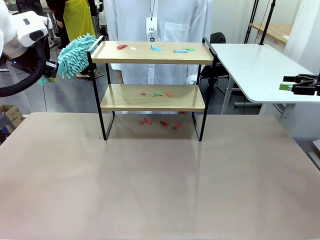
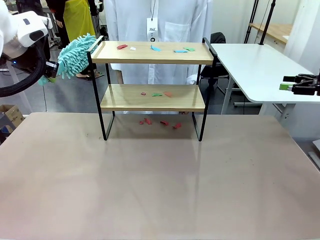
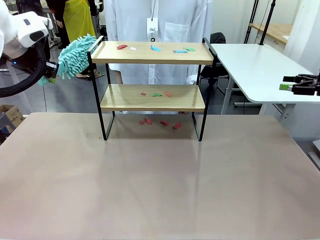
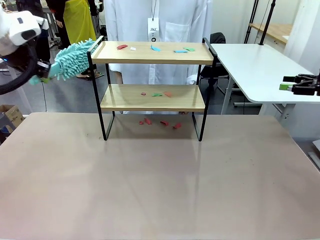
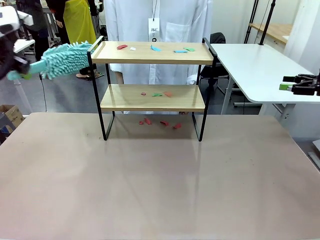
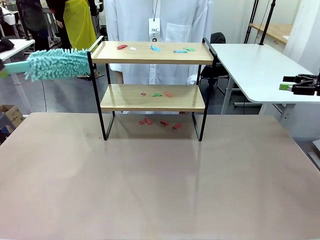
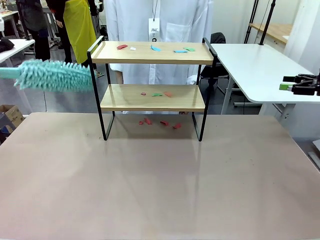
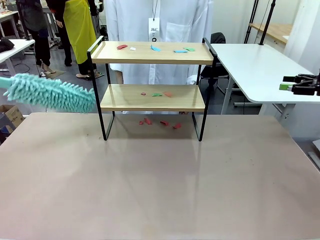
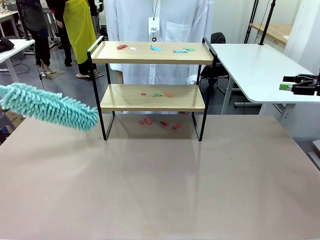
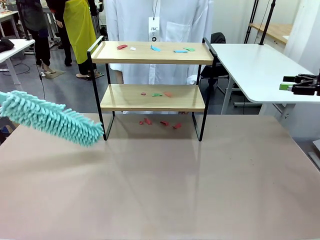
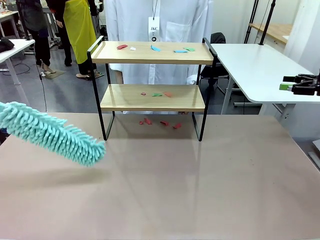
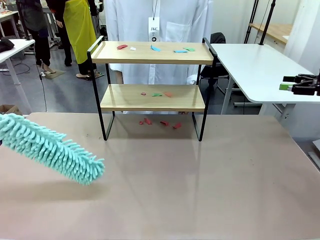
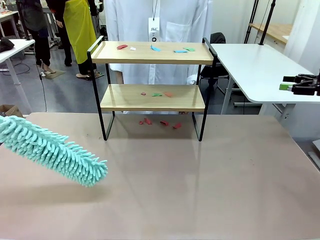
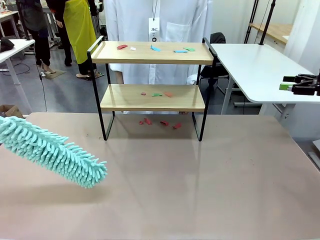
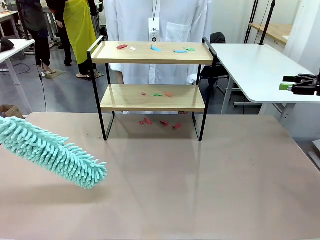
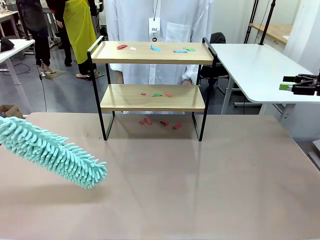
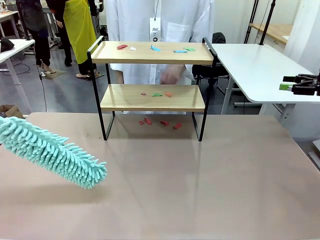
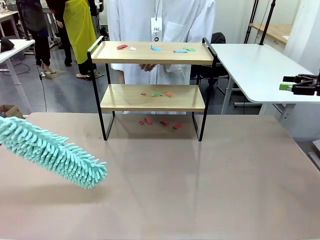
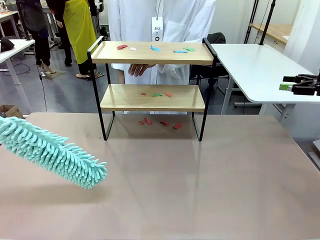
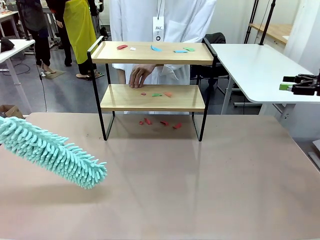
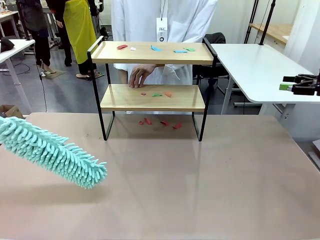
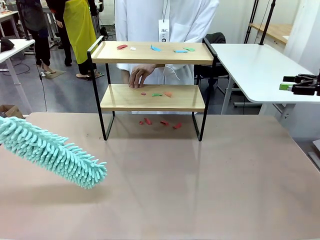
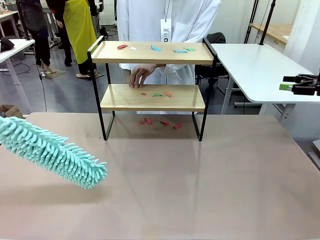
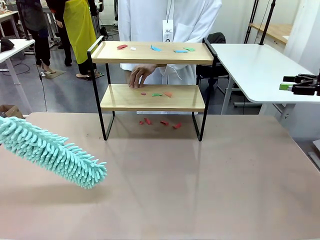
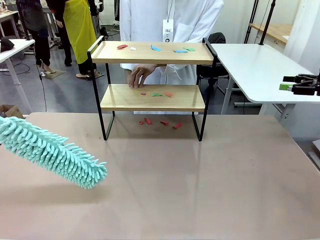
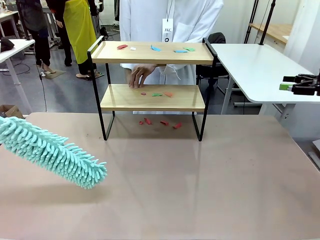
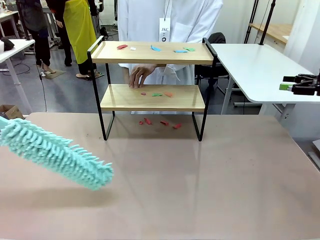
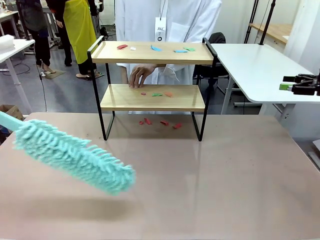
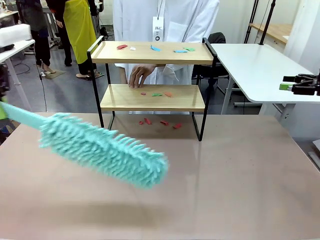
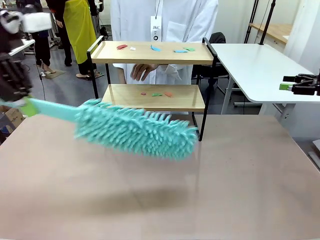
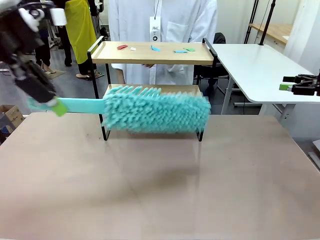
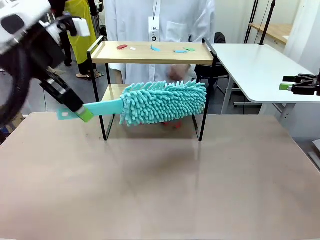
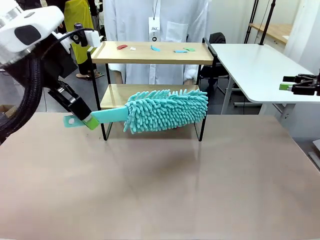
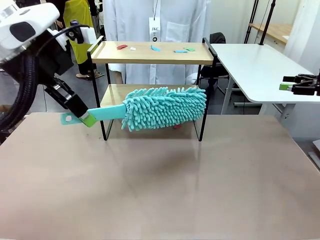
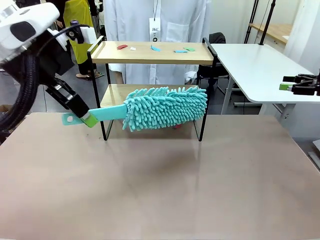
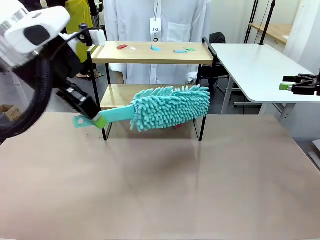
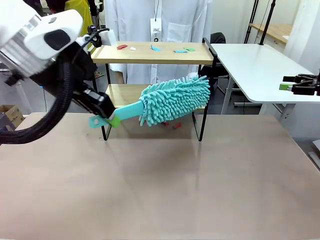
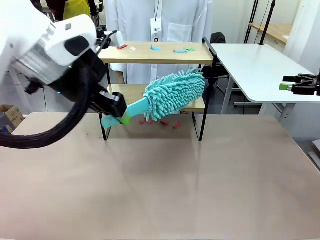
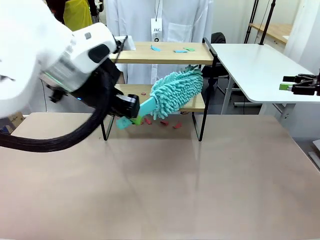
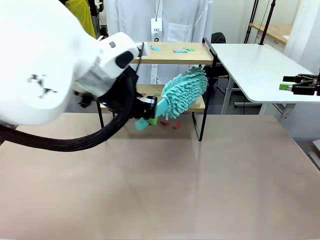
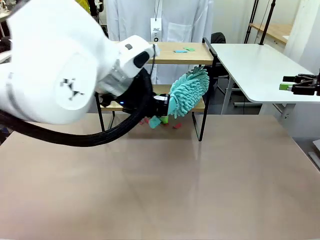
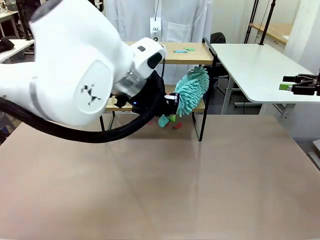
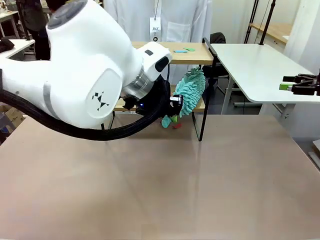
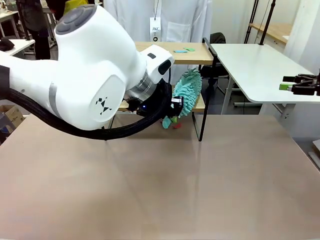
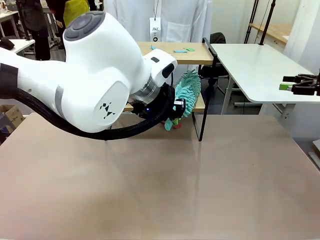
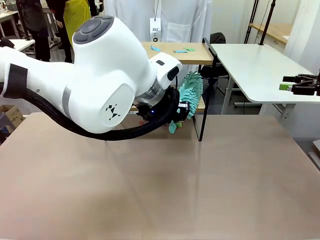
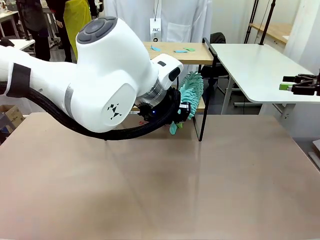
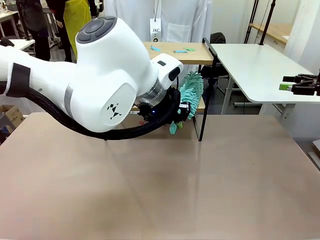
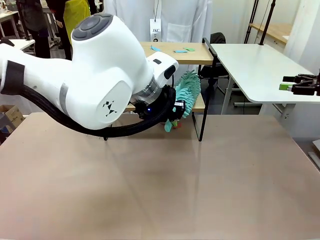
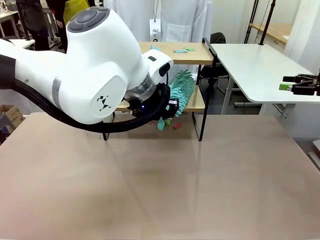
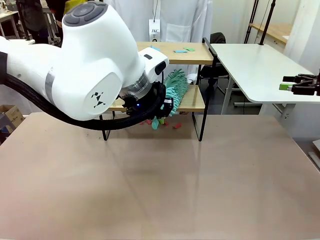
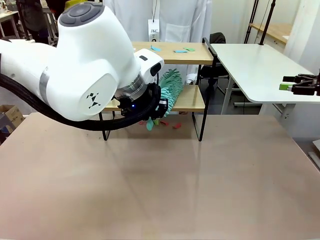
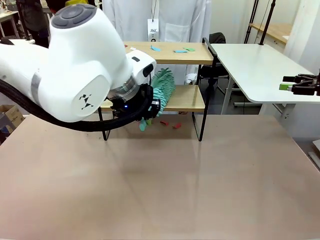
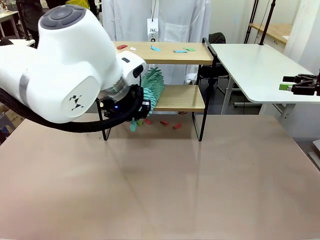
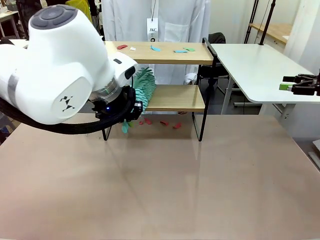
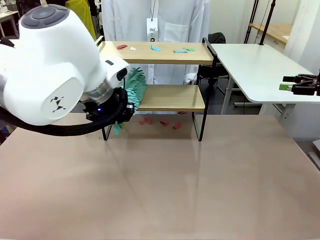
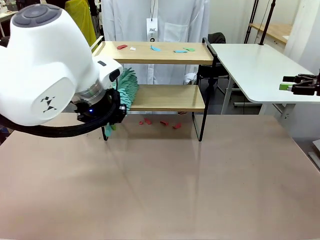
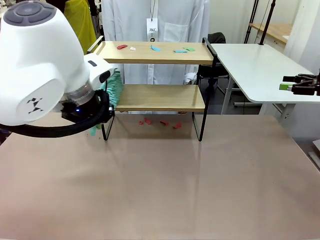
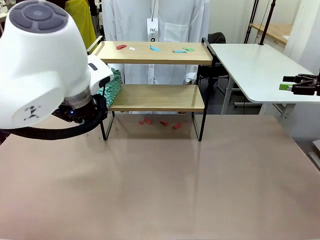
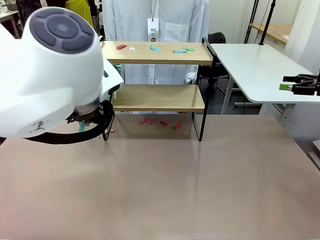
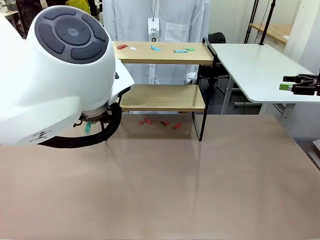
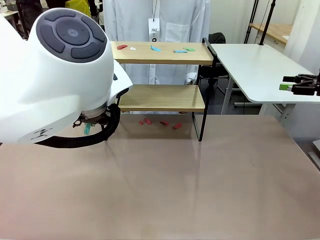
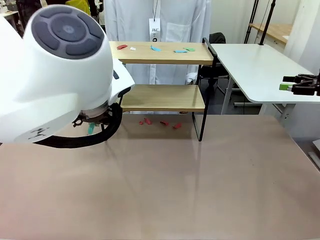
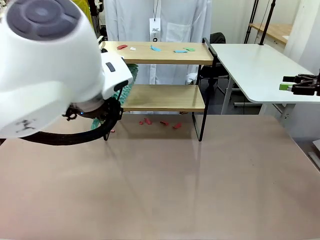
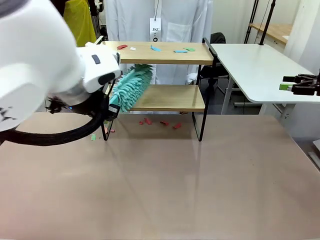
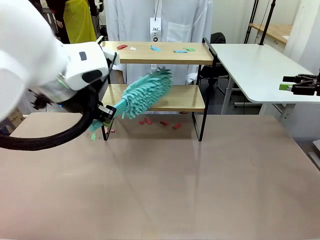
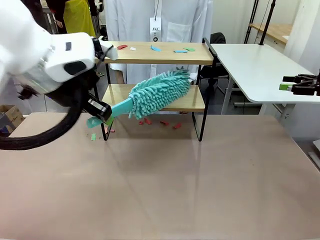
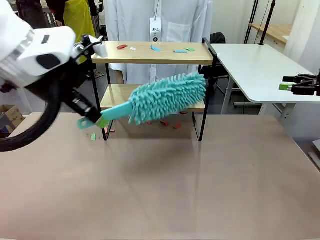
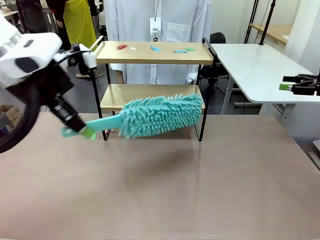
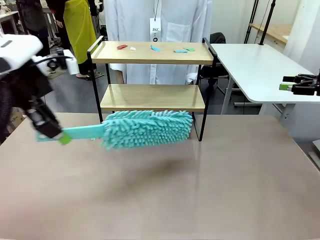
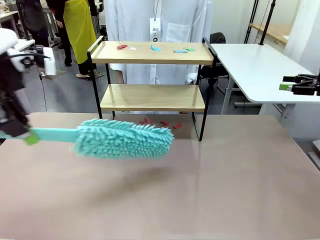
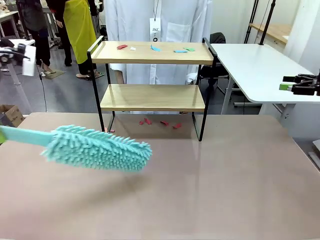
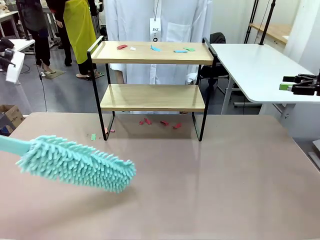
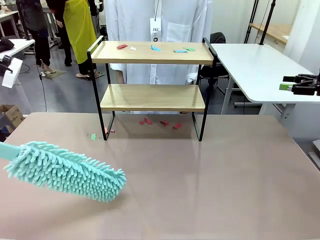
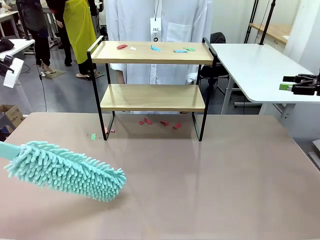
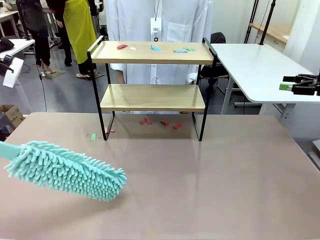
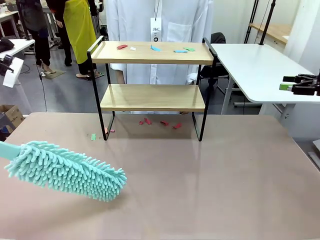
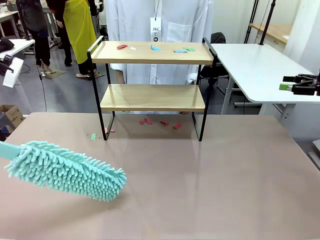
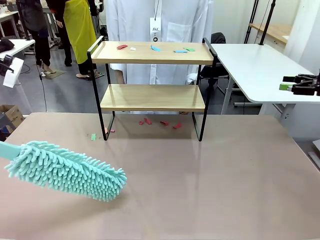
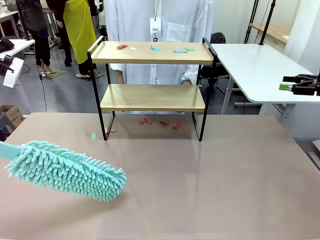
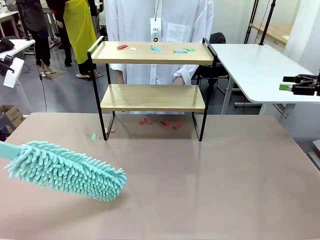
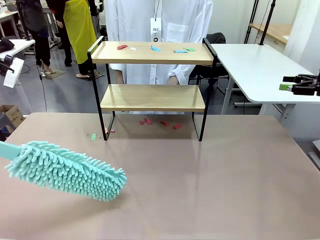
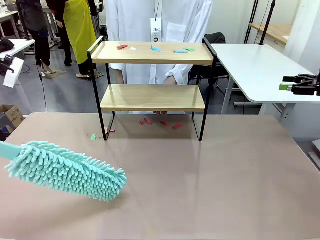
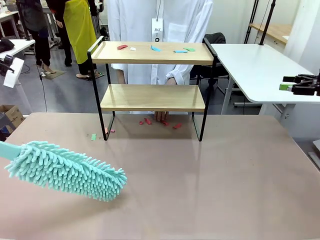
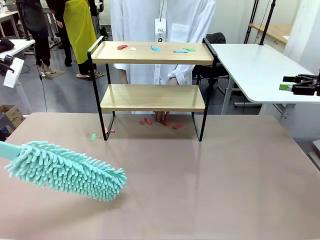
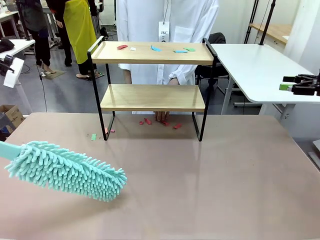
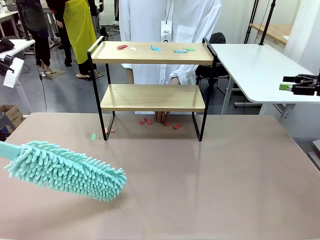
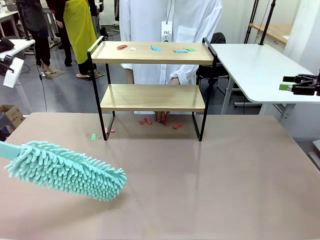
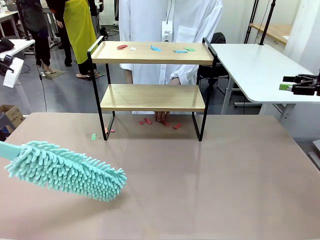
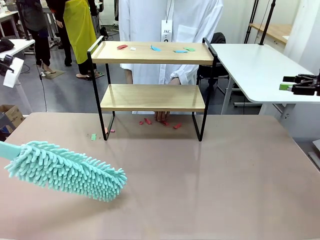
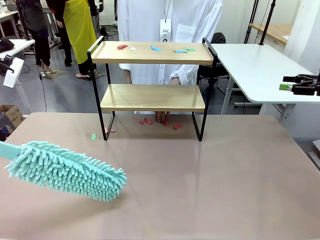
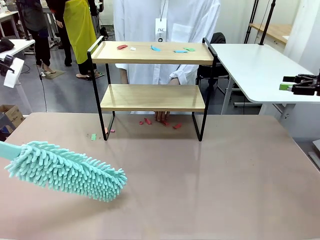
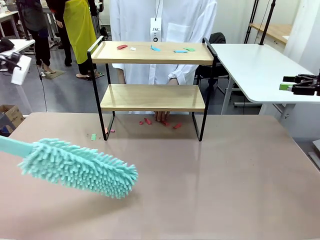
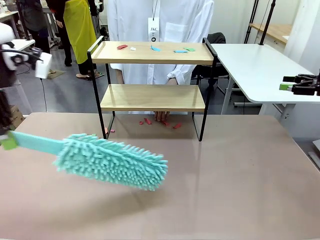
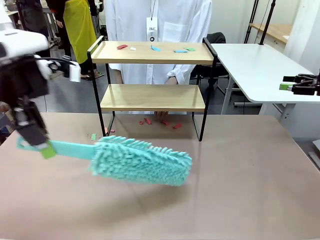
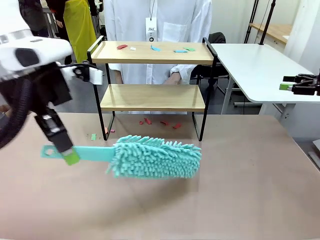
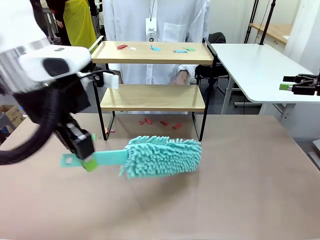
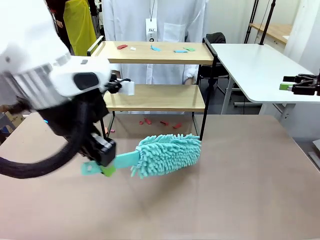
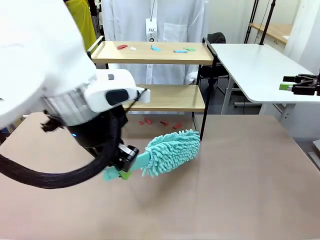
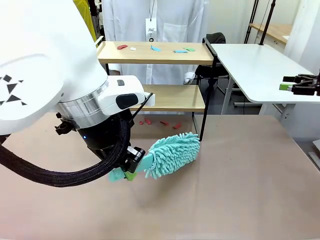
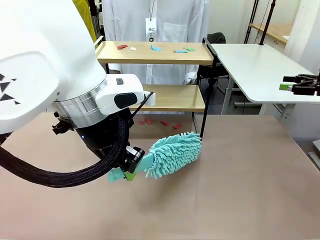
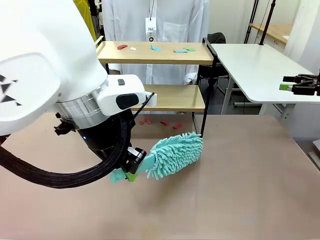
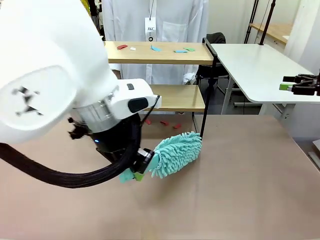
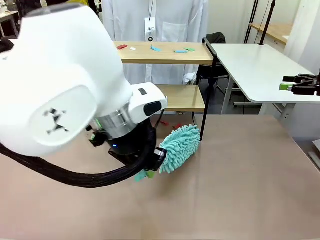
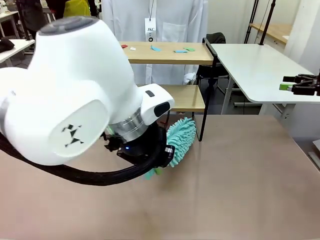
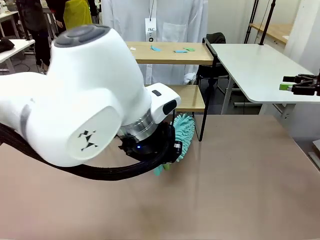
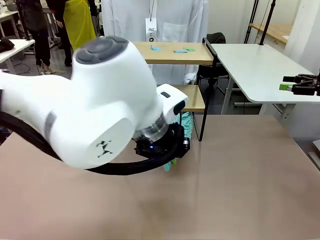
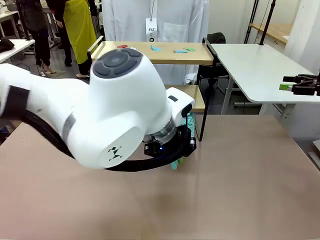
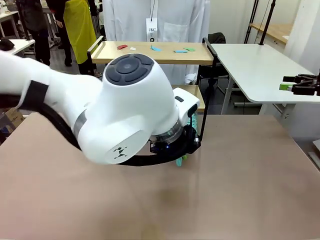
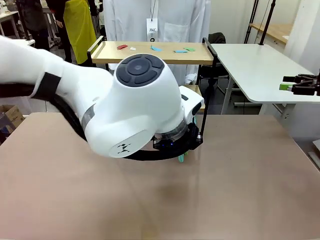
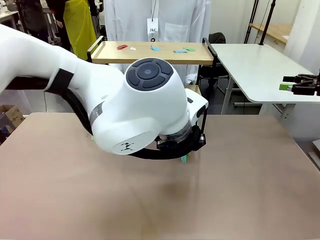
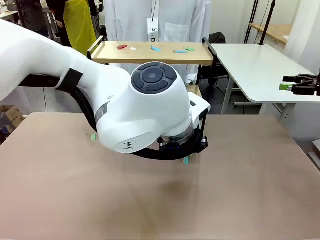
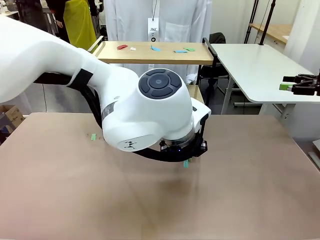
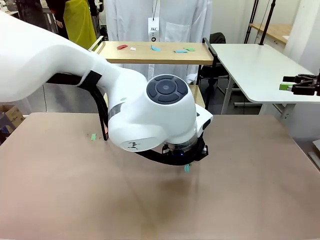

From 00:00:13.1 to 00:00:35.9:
Task: Clean the shelf.
Robot: Clean the specific section of the Shelf indicated by the human with the Duster.
Person: Point a random section of the Shelf.
